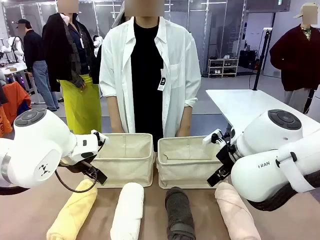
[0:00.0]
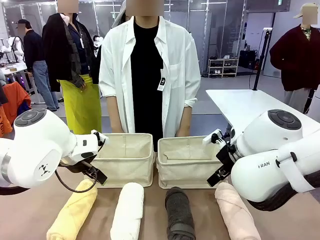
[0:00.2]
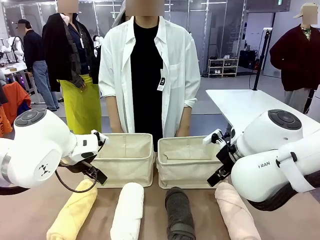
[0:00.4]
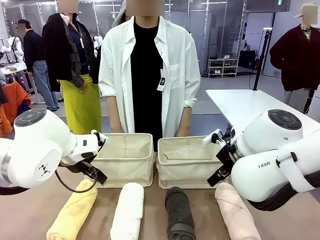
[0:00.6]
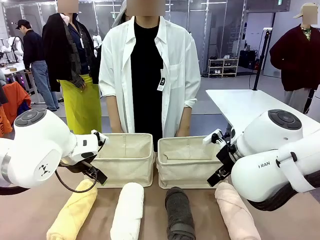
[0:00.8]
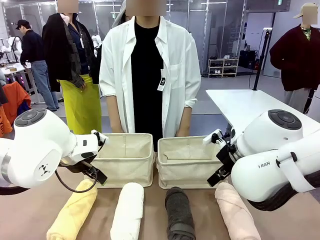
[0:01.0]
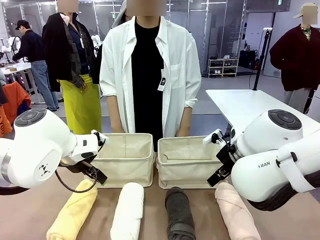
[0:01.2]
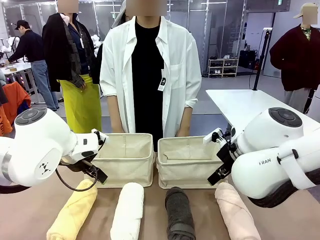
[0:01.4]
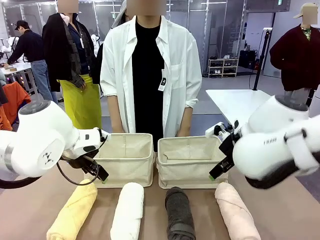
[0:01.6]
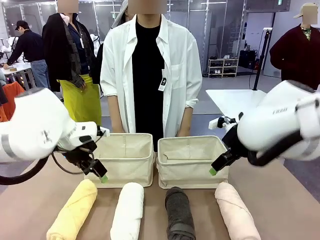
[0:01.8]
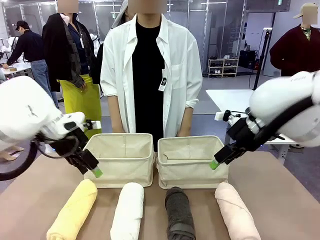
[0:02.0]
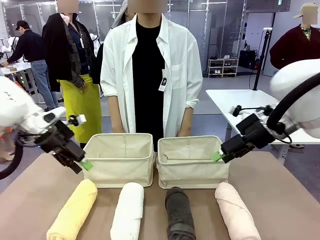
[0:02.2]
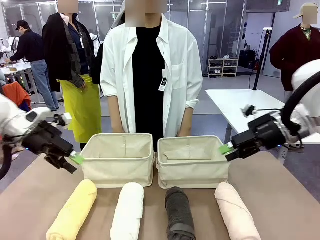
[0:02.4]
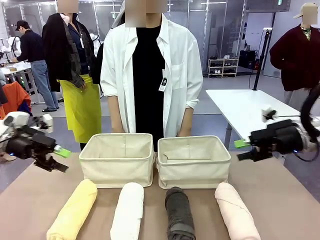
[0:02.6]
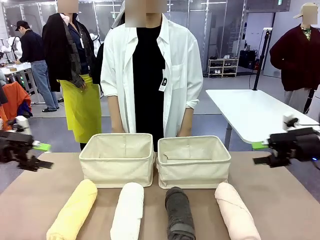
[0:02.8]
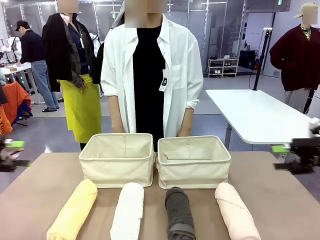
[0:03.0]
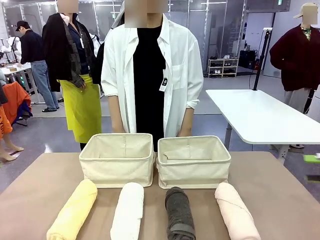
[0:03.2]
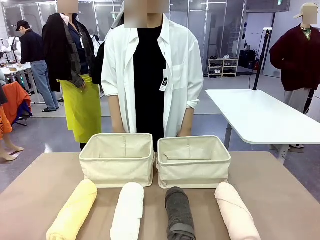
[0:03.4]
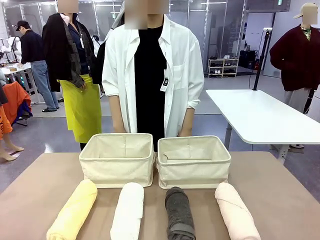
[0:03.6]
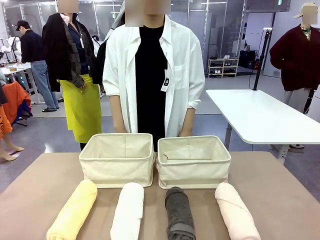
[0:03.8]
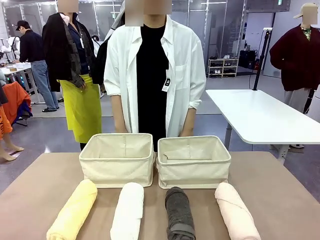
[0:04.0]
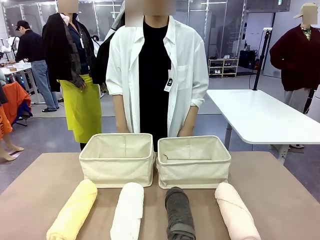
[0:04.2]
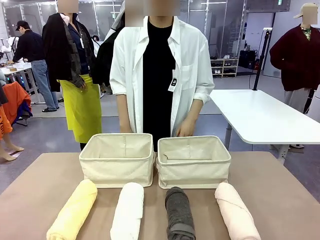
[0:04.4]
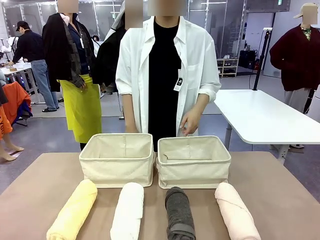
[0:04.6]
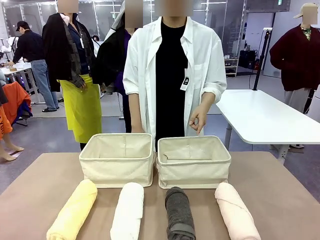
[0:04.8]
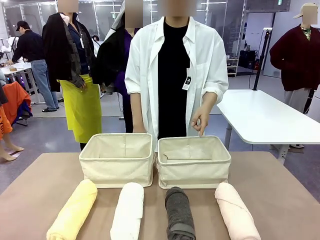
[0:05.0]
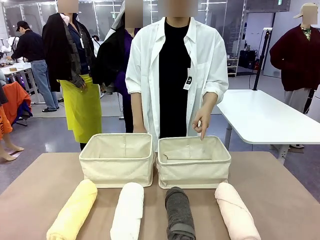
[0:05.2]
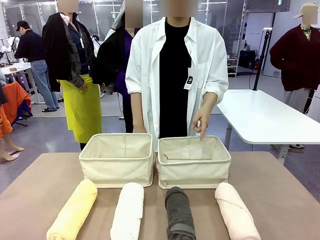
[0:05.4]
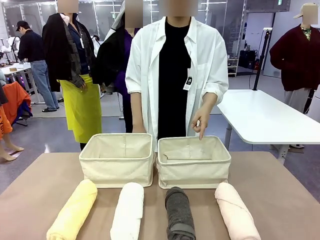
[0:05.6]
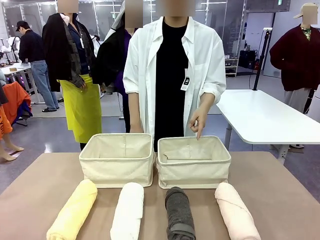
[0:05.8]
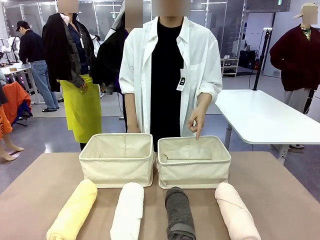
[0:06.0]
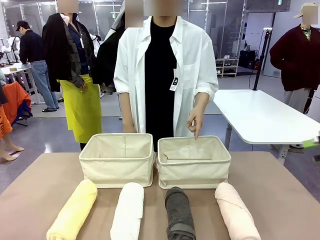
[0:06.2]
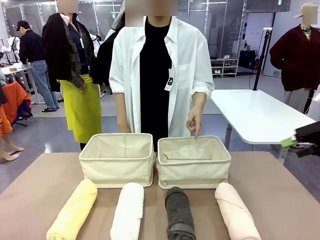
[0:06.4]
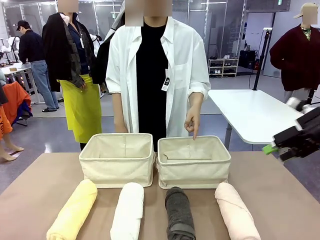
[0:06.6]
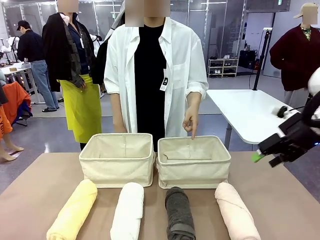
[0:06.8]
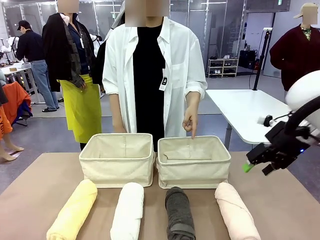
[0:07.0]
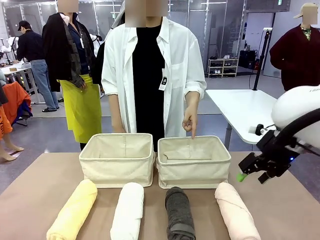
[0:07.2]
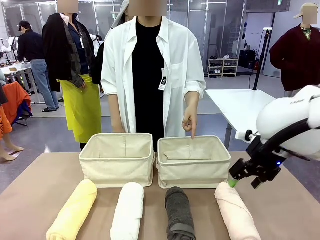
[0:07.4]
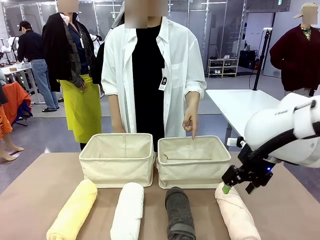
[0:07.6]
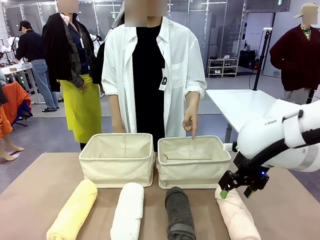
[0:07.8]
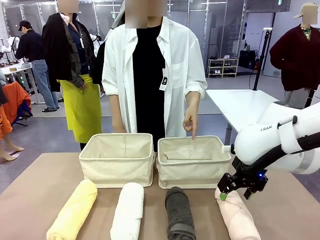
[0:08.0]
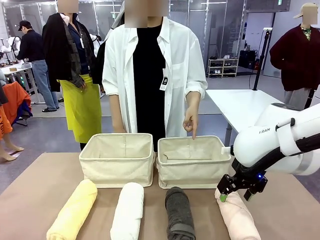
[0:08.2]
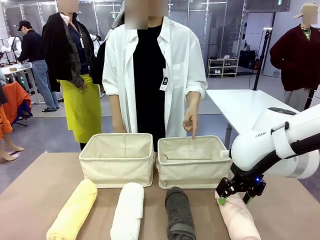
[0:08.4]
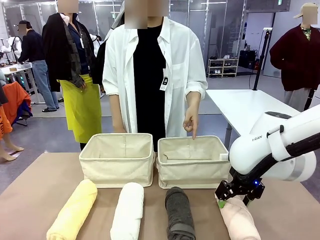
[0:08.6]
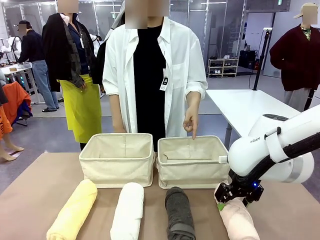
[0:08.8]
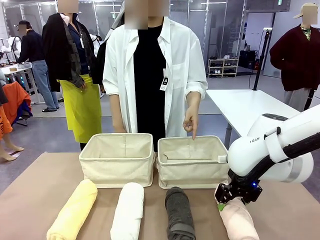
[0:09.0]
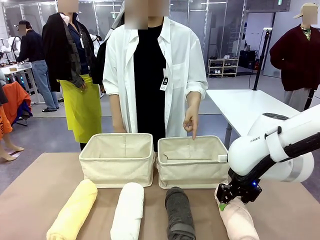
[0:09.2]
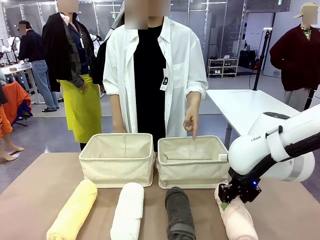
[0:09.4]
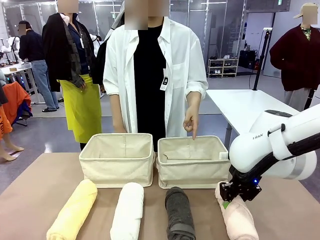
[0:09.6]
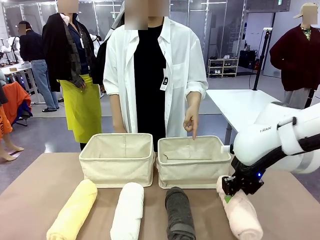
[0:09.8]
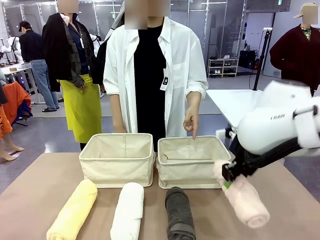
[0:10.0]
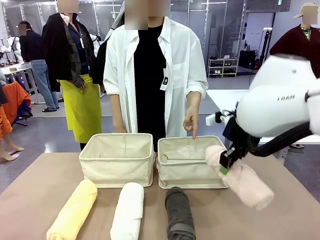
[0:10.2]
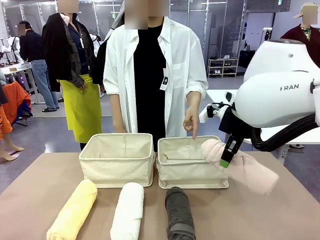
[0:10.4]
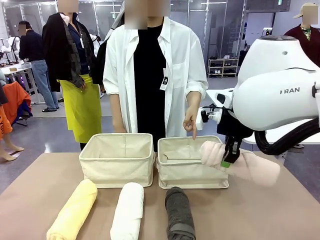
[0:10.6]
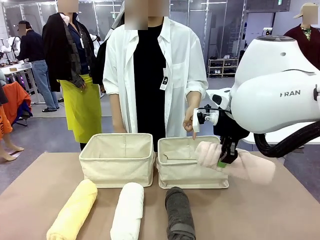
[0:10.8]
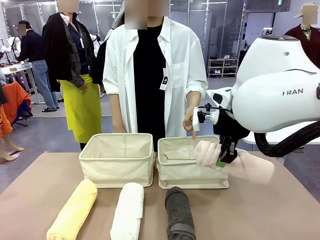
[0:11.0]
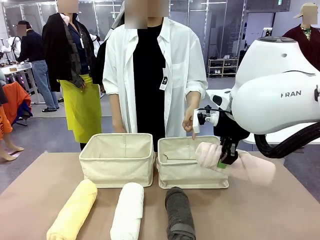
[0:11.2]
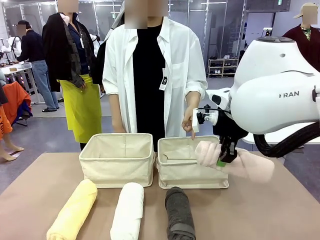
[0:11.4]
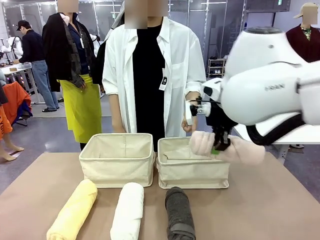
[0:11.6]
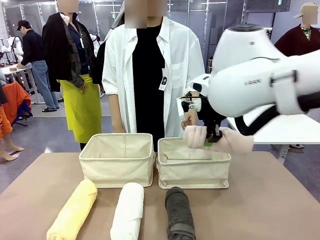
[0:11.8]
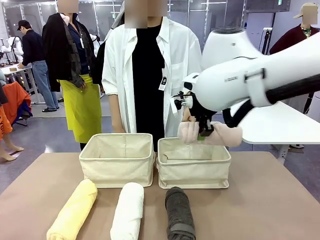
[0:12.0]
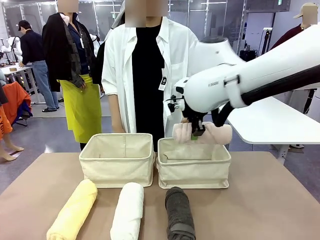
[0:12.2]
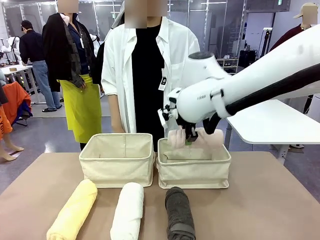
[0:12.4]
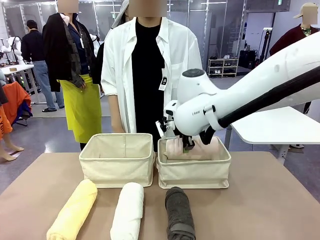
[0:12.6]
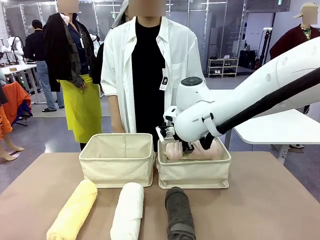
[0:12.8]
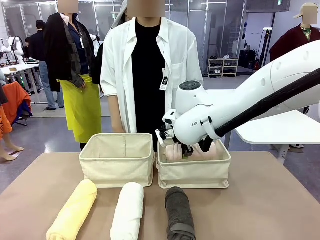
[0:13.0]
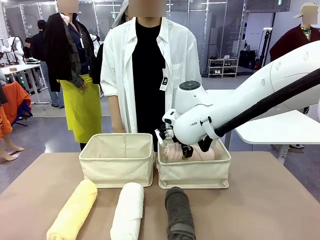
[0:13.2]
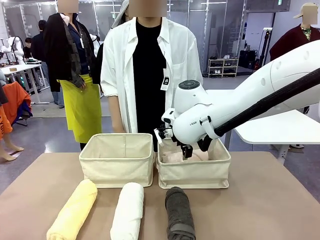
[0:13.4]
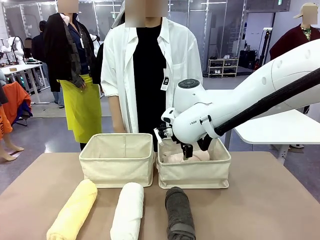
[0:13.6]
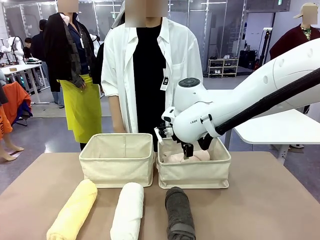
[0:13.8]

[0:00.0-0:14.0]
Task: Divide the towels into two baskets.
Robot: Pick up one hotel-folded towel and place it in the Fabric basket indicated by the person.
